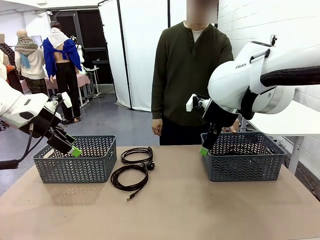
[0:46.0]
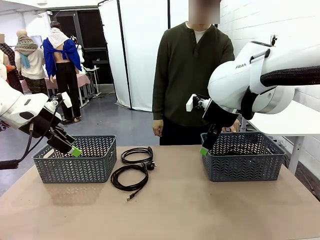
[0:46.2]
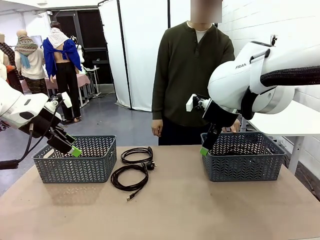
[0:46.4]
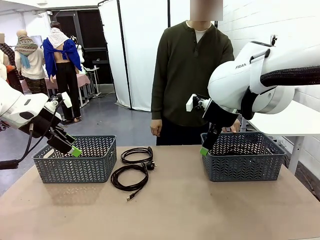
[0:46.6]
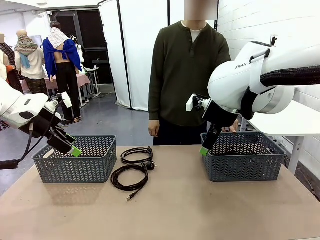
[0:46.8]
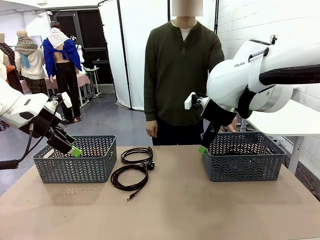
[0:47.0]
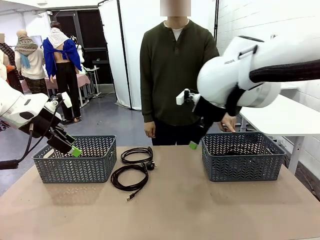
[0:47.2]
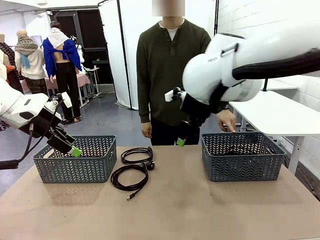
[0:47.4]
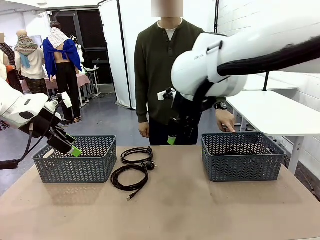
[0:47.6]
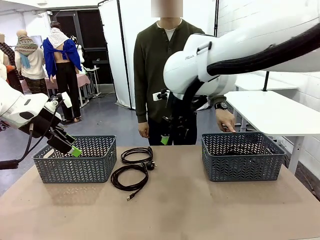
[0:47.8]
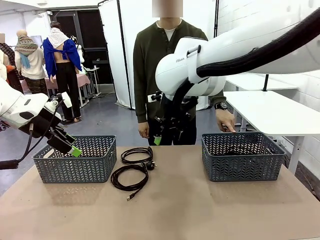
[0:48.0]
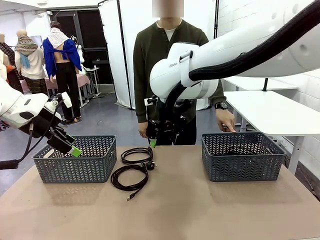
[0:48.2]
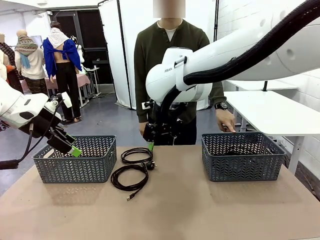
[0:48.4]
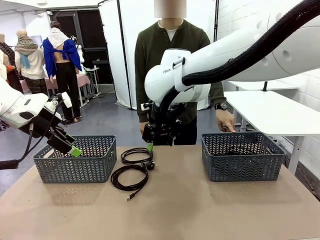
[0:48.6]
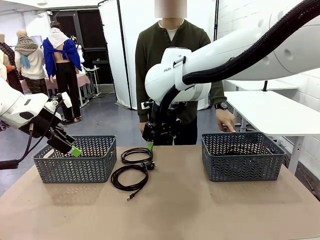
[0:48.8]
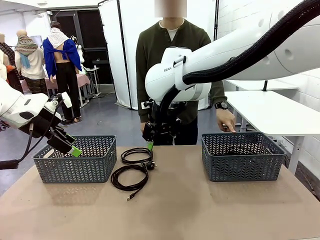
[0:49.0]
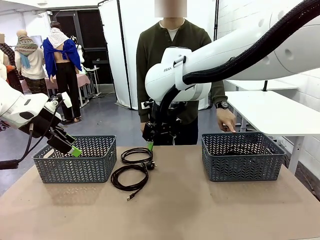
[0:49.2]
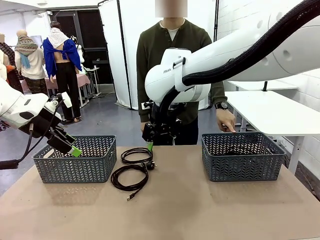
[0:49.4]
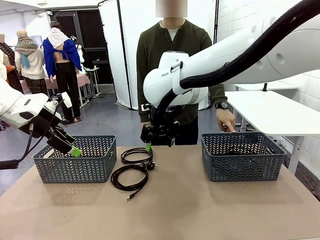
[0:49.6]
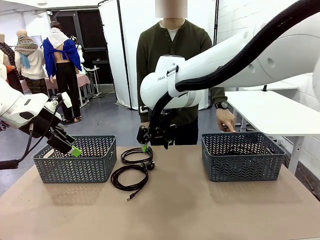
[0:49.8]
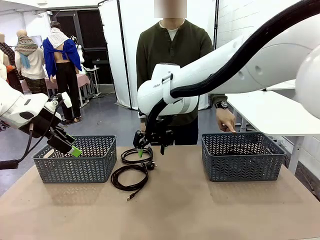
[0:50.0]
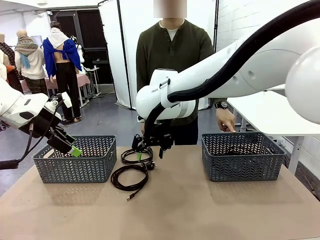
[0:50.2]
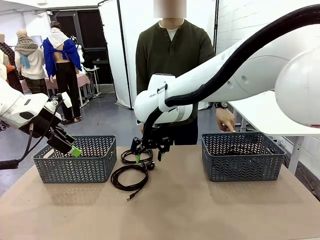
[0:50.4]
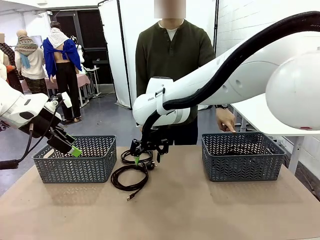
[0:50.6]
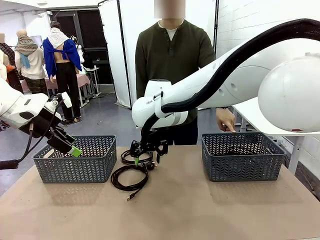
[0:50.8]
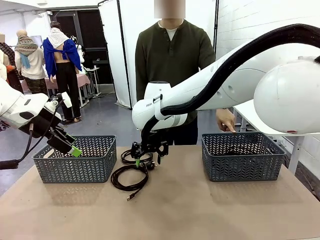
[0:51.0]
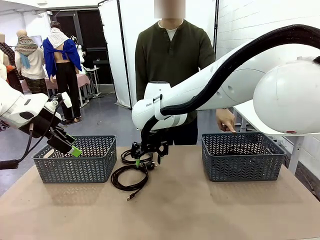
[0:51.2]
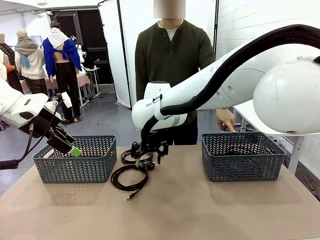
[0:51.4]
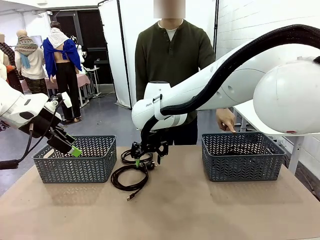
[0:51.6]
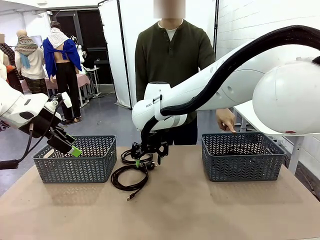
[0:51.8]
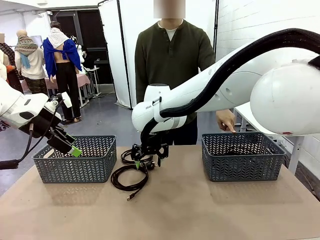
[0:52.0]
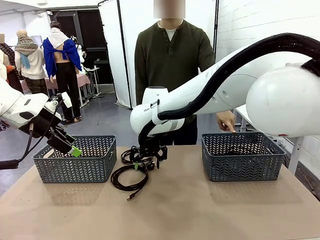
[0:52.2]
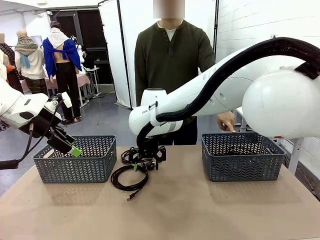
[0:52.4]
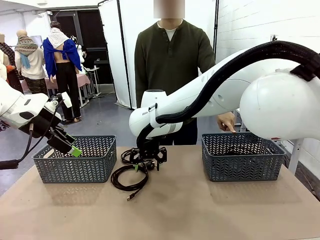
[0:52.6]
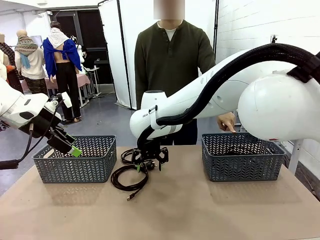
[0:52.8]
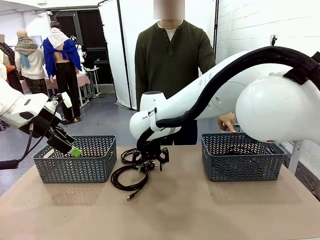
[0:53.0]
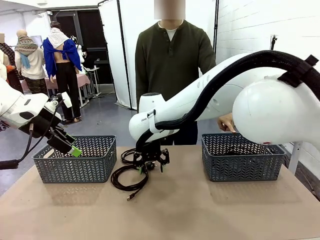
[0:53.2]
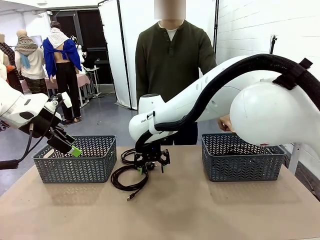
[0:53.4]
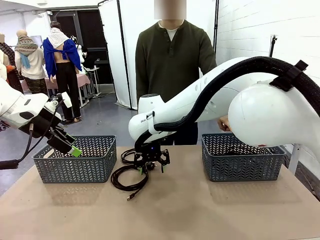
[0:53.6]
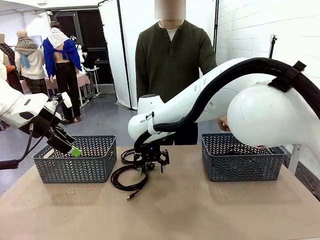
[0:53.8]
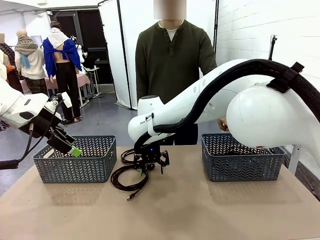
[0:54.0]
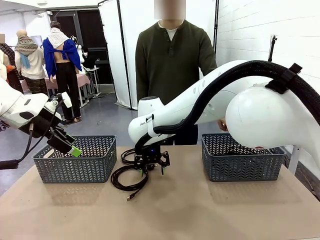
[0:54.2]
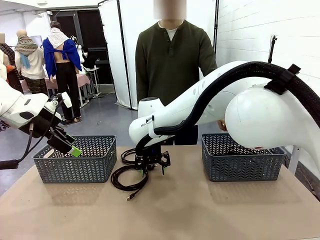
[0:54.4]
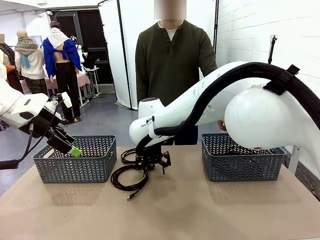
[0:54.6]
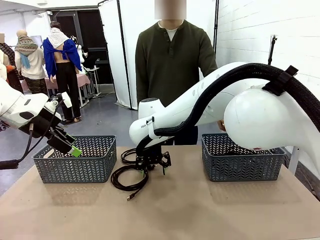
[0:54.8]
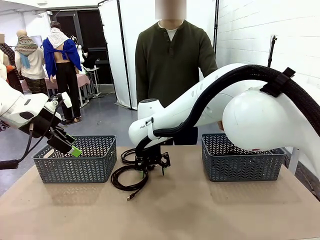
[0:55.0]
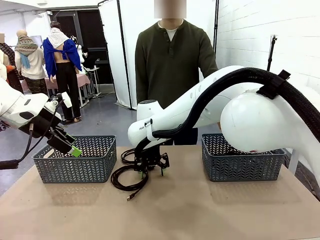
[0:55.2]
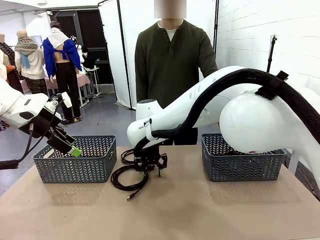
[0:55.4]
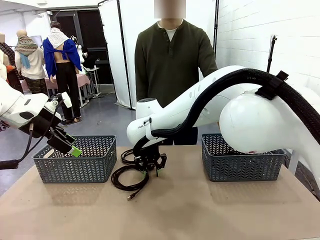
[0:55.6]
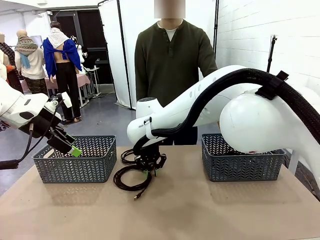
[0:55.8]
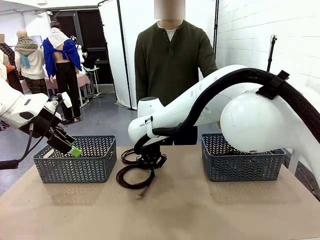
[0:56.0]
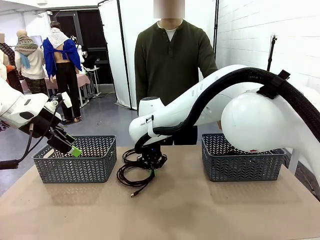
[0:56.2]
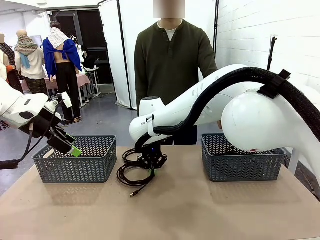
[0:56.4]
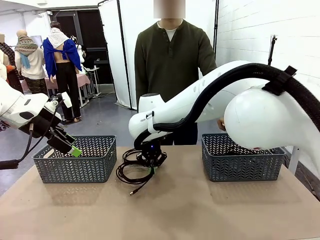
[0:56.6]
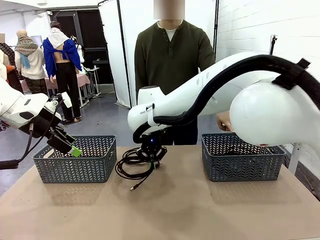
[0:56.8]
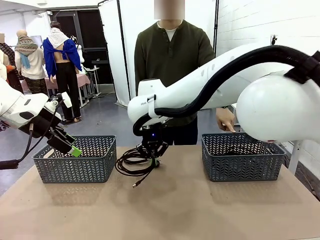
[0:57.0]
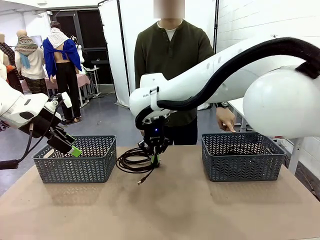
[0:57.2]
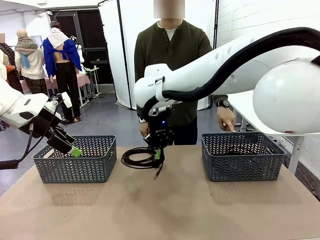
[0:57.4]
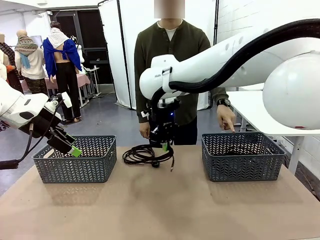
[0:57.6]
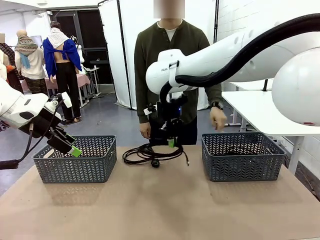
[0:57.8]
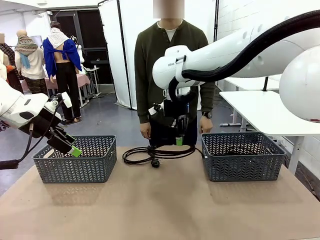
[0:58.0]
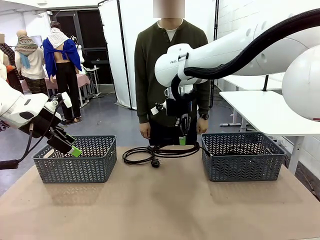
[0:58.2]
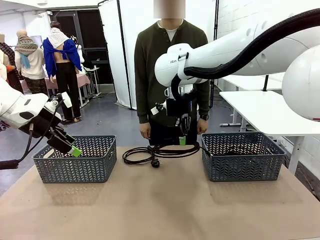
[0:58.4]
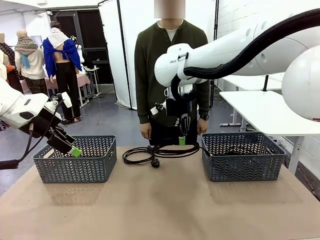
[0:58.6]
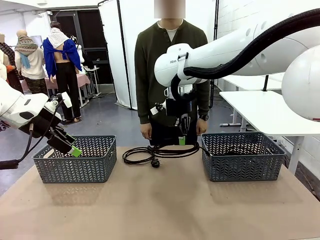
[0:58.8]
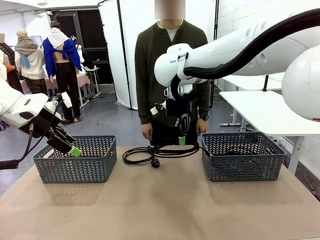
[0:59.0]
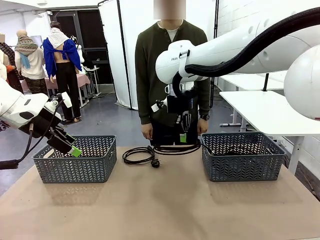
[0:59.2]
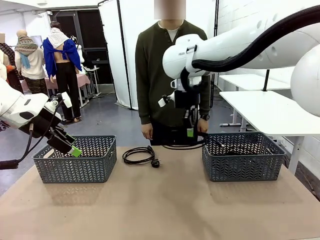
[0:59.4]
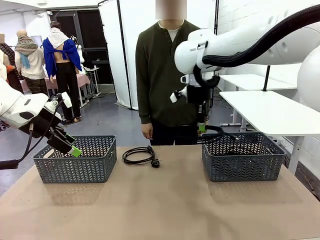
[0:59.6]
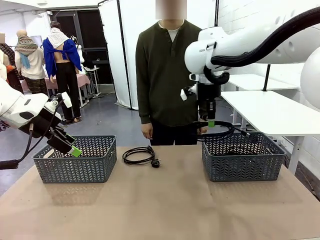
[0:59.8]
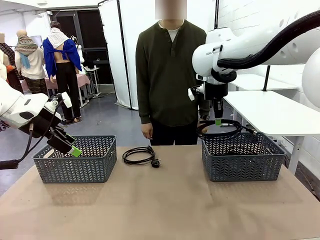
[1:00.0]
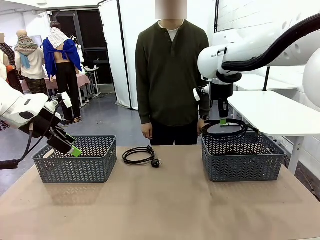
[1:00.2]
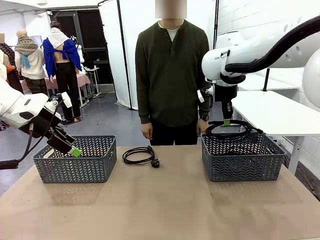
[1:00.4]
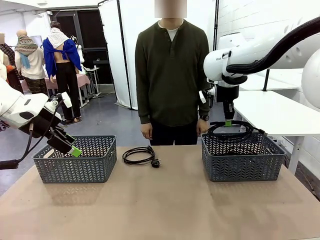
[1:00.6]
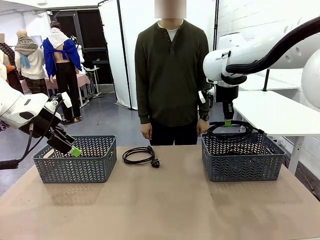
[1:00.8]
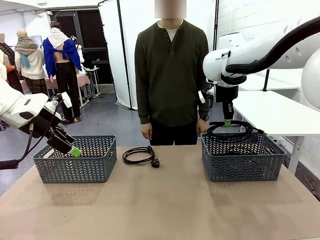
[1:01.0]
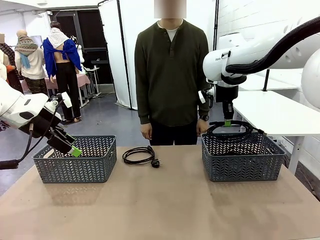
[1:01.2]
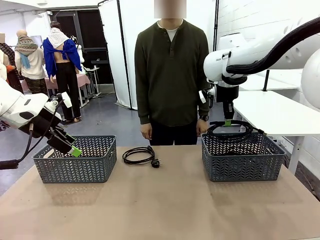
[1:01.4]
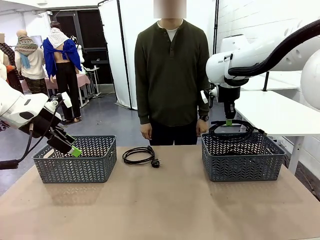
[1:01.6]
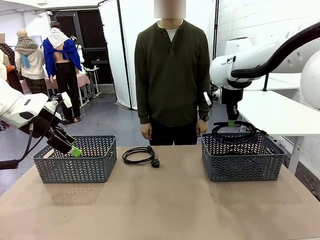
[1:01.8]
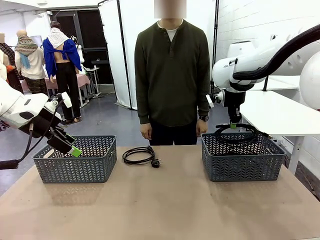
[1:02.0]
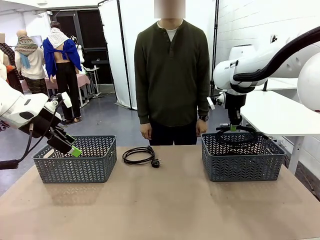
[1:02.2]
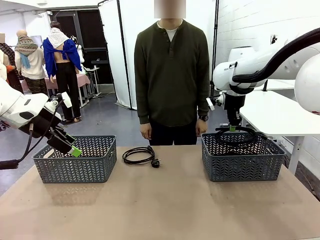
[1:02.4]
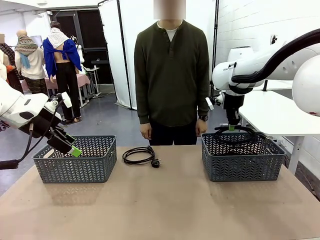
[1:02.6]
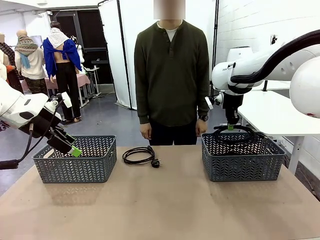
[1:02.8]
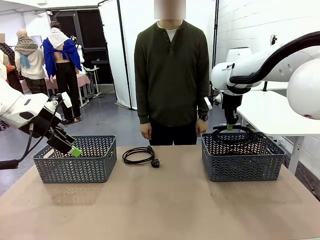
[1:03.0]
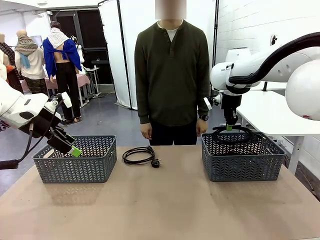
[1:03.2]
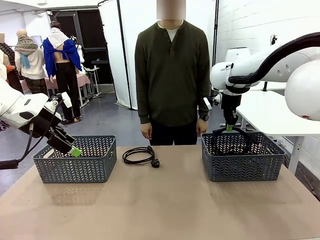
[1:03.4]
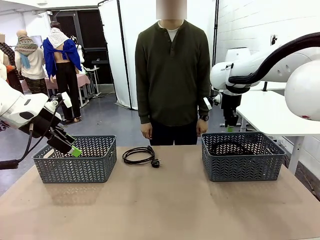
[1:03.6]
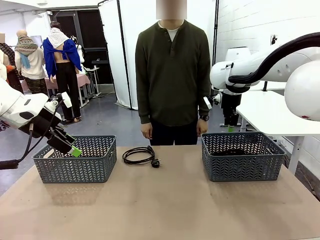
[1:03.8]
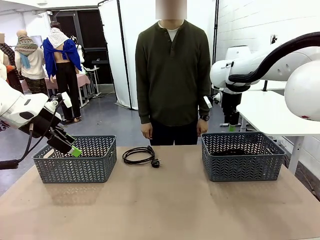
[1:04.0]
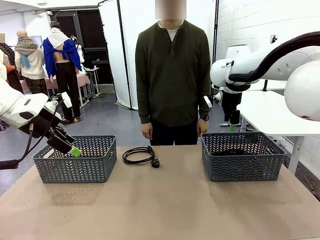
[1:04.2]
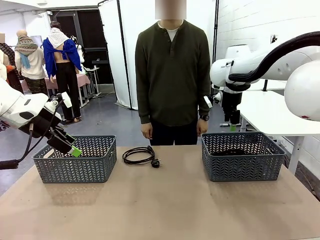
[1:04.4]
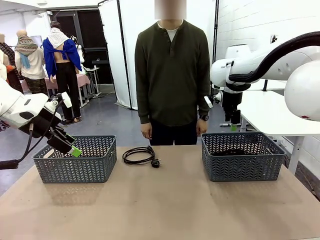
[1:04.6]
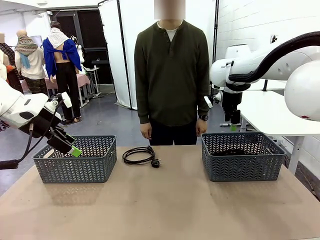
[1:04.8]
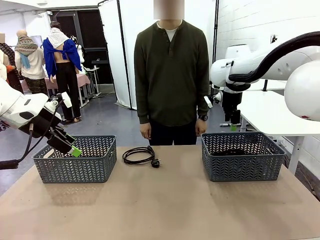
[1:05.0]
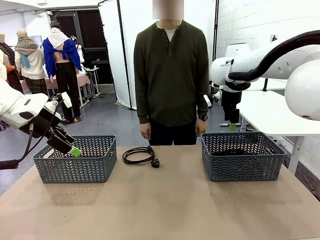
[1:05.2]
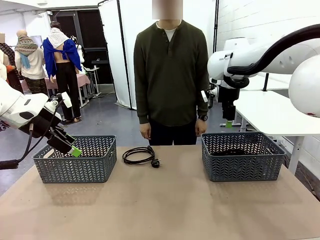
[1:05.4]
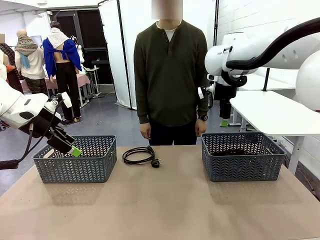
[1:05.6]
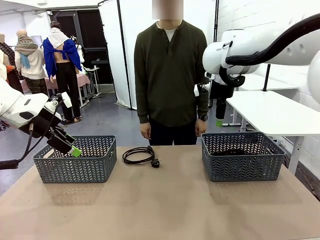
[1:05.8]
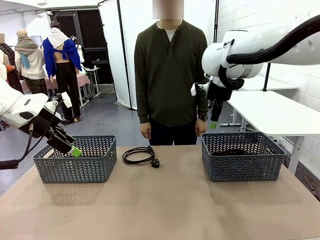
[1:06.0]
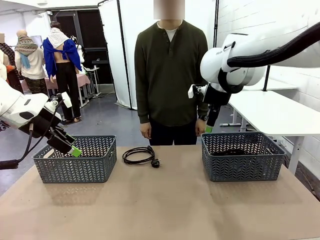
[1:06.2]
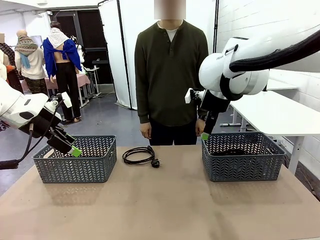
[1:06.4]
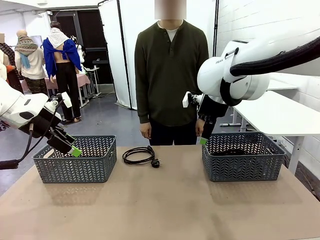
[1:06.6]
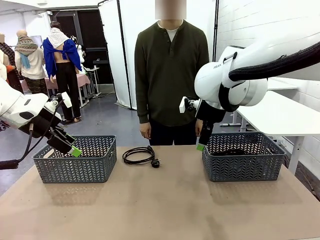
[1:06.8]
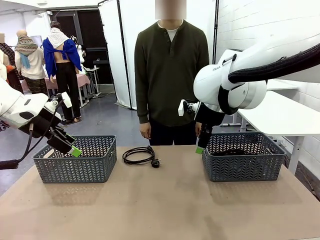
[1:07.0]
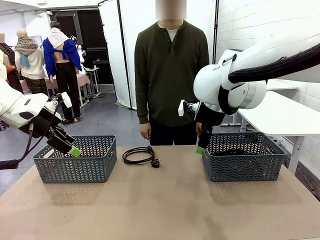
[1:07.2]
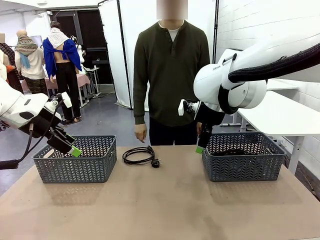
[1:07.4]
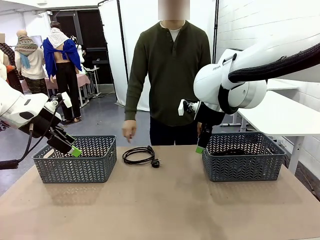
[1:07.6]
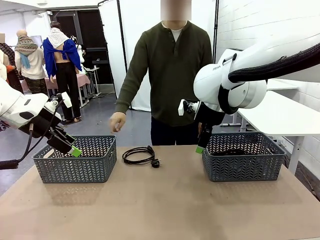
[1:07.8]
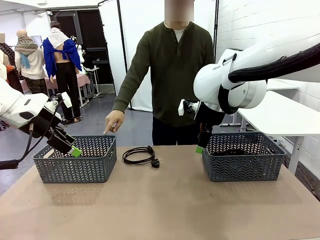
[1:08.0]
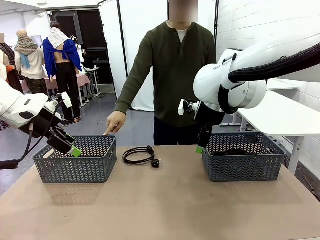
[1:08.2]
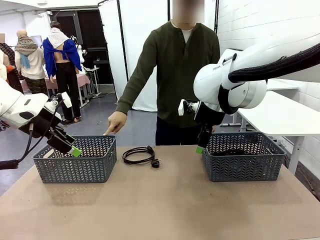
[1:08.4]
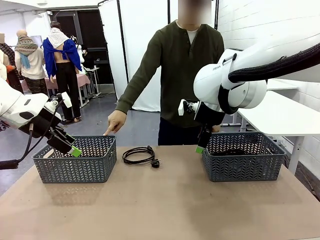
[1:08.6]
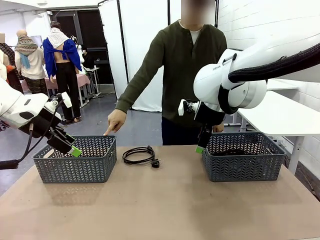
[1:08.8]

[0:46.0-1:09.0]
Task: Organize the cables according to human instructions.
Robot: Pick up a bundle of cables and place it in the basket indicated by the human.
